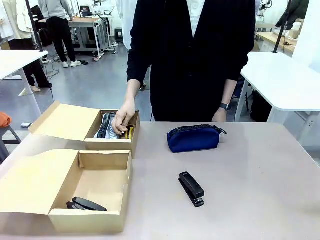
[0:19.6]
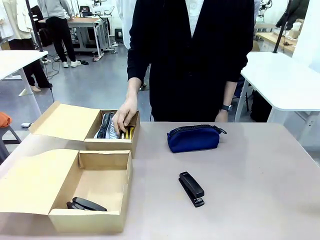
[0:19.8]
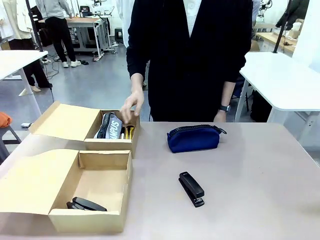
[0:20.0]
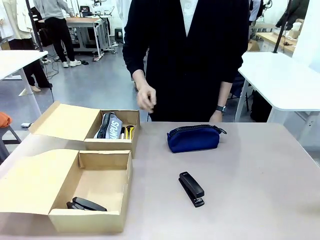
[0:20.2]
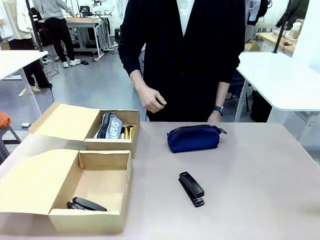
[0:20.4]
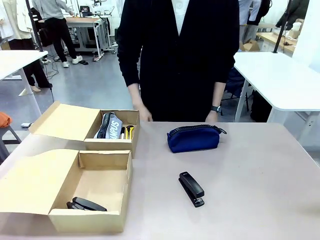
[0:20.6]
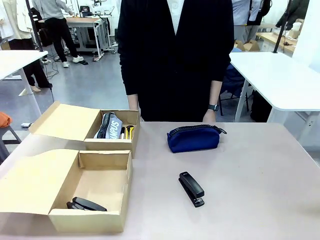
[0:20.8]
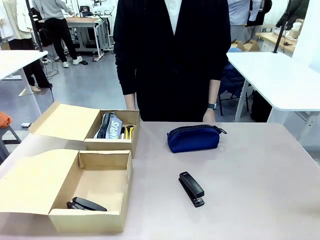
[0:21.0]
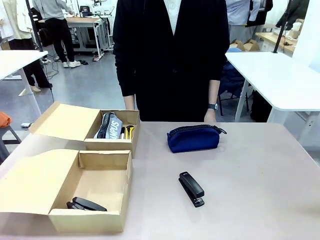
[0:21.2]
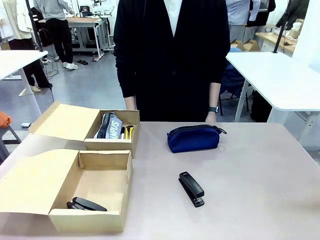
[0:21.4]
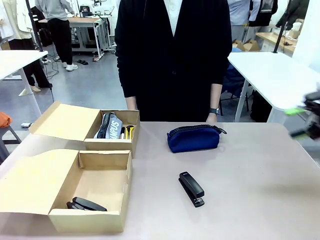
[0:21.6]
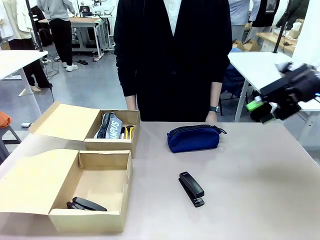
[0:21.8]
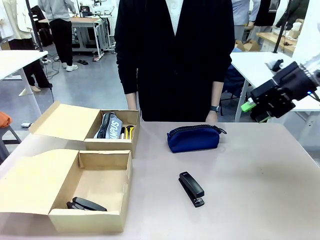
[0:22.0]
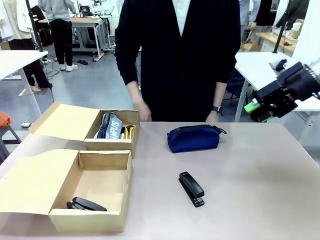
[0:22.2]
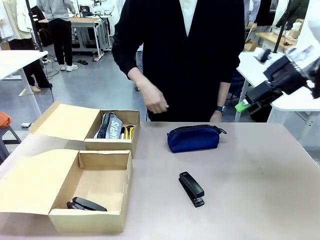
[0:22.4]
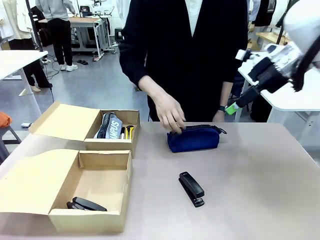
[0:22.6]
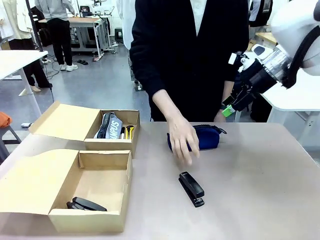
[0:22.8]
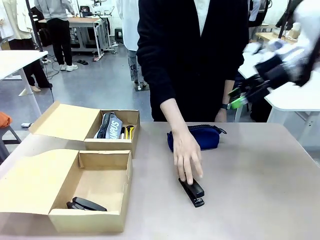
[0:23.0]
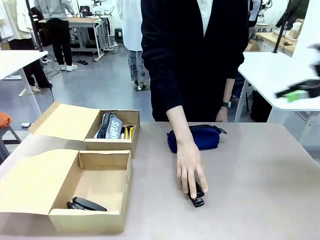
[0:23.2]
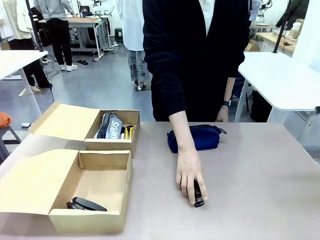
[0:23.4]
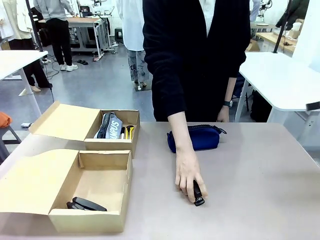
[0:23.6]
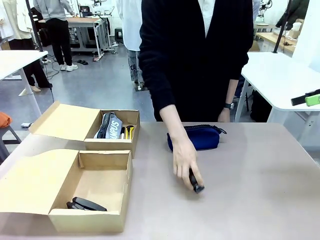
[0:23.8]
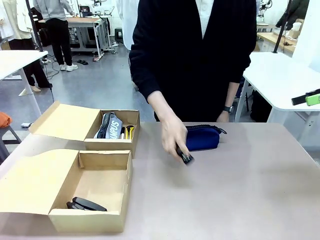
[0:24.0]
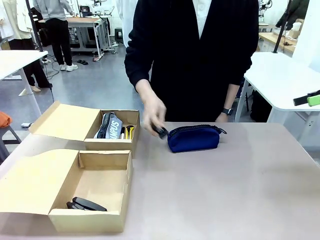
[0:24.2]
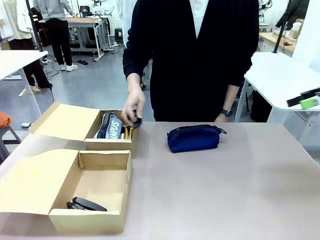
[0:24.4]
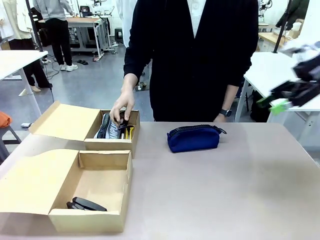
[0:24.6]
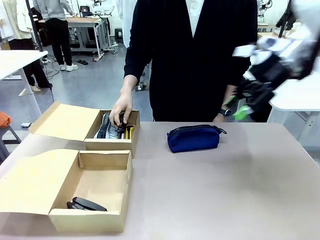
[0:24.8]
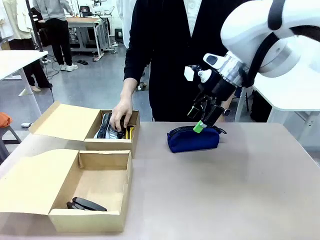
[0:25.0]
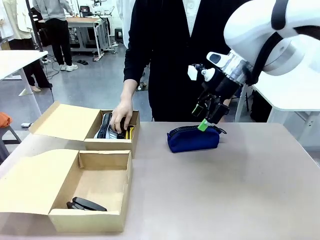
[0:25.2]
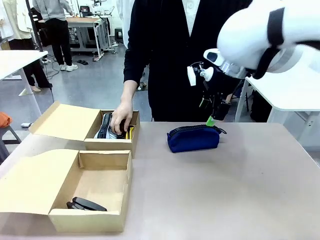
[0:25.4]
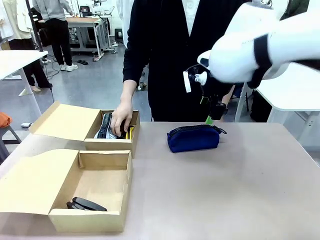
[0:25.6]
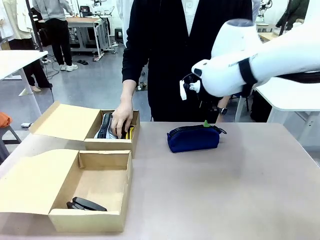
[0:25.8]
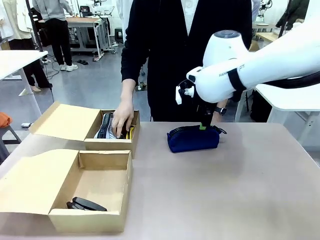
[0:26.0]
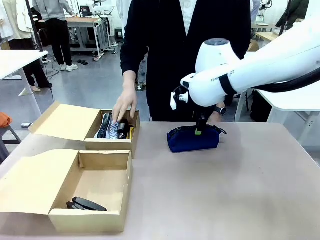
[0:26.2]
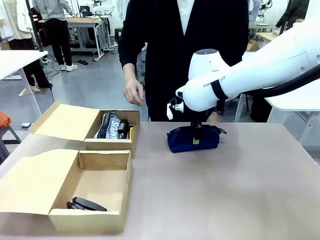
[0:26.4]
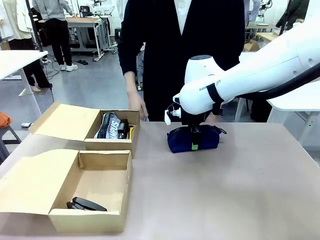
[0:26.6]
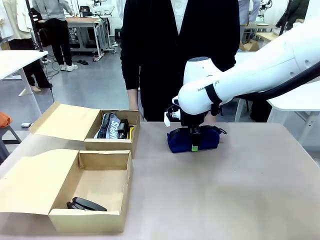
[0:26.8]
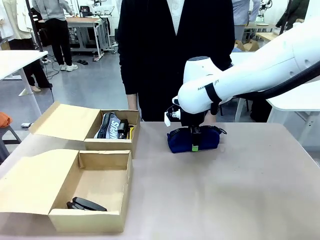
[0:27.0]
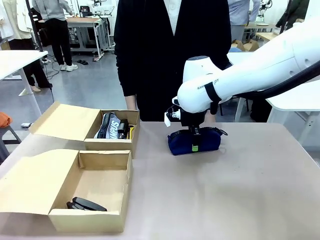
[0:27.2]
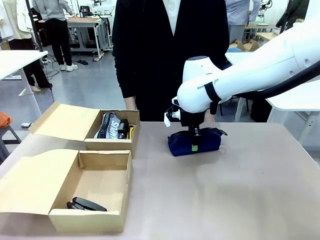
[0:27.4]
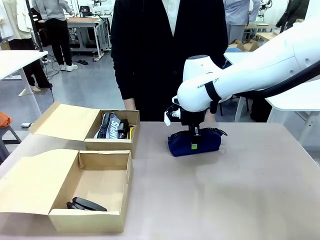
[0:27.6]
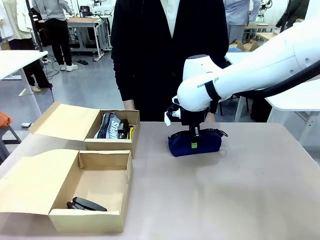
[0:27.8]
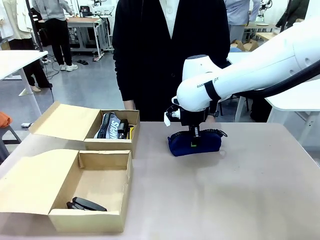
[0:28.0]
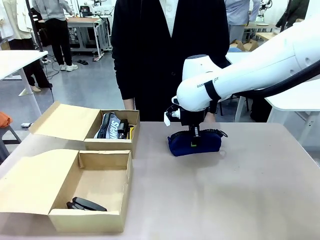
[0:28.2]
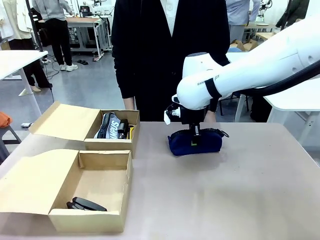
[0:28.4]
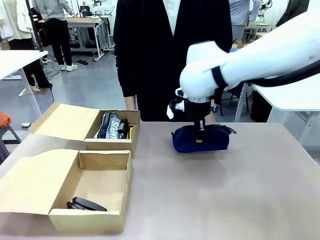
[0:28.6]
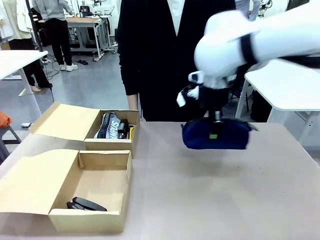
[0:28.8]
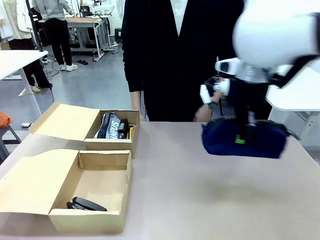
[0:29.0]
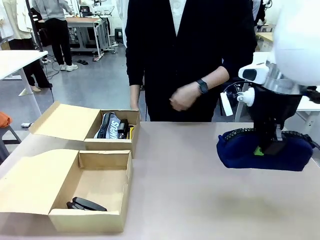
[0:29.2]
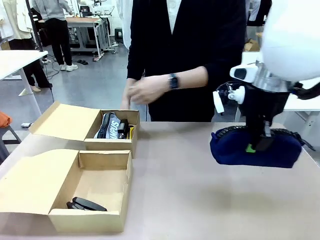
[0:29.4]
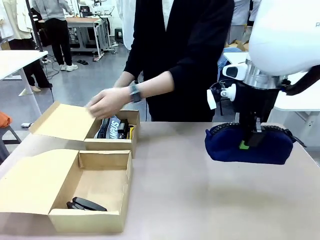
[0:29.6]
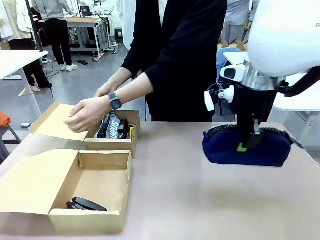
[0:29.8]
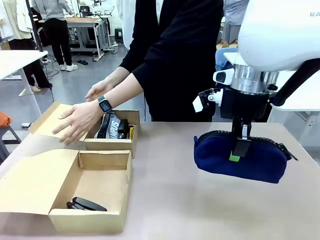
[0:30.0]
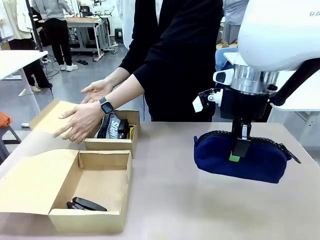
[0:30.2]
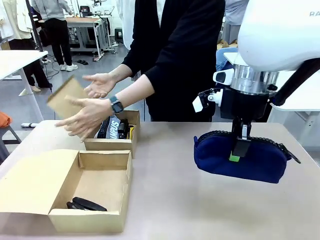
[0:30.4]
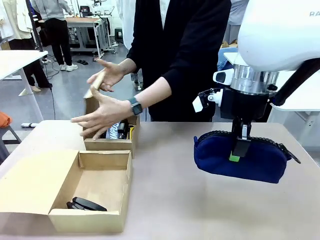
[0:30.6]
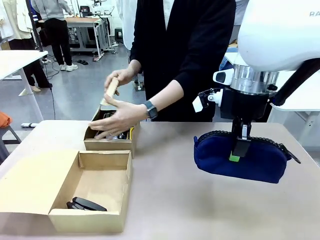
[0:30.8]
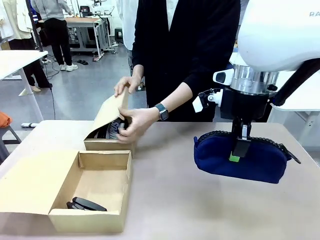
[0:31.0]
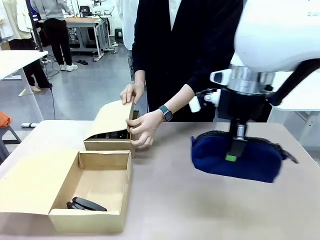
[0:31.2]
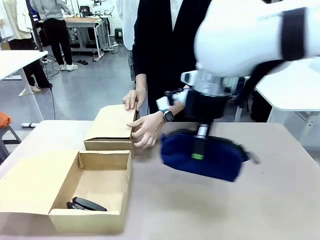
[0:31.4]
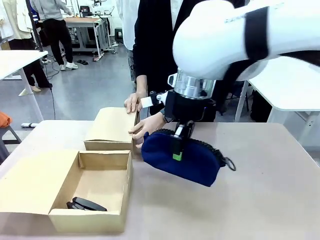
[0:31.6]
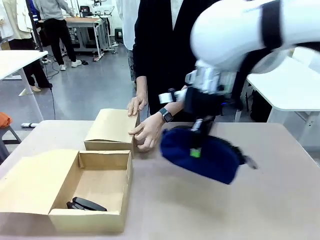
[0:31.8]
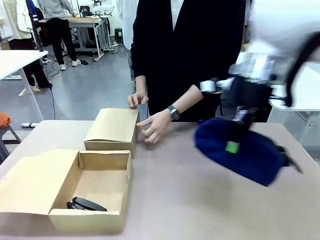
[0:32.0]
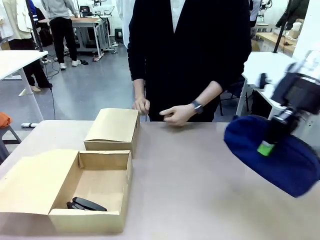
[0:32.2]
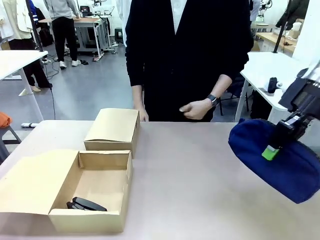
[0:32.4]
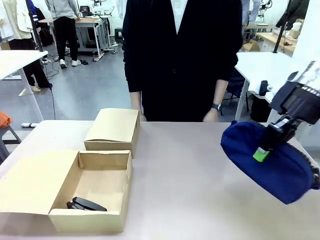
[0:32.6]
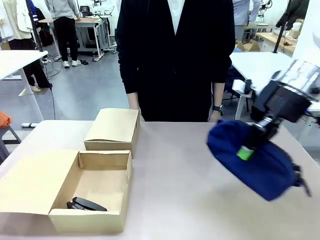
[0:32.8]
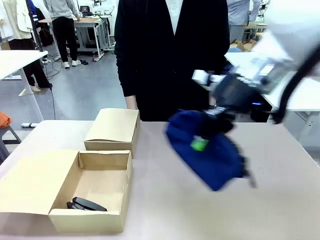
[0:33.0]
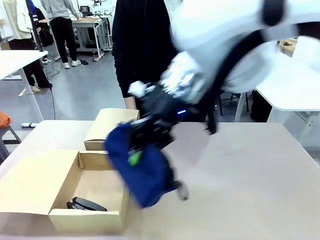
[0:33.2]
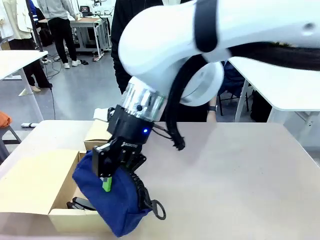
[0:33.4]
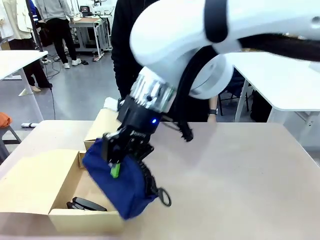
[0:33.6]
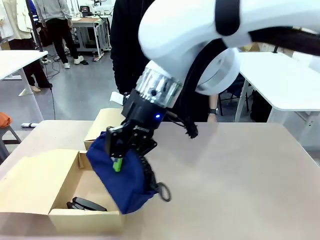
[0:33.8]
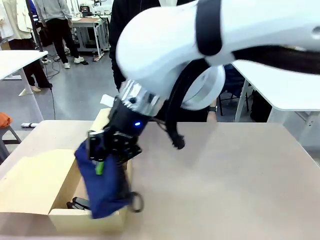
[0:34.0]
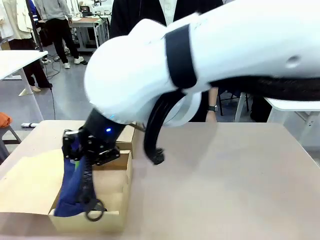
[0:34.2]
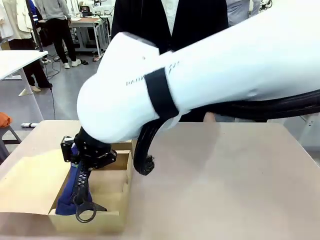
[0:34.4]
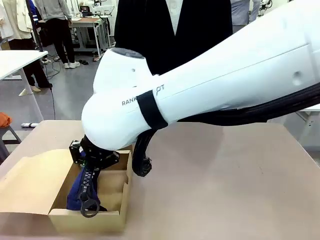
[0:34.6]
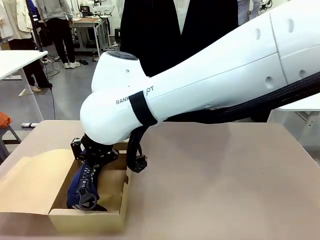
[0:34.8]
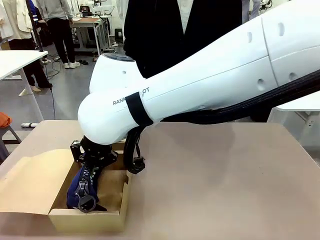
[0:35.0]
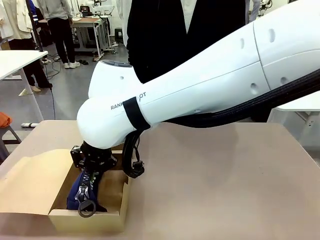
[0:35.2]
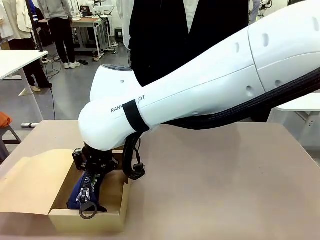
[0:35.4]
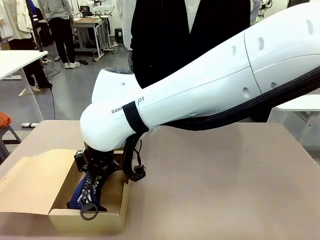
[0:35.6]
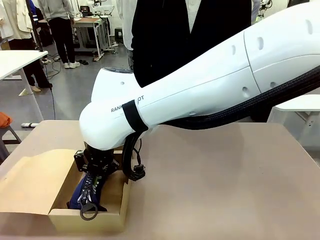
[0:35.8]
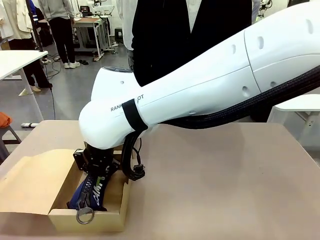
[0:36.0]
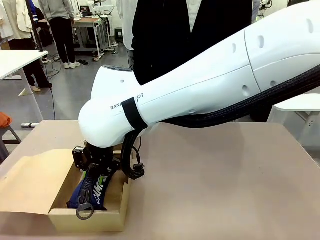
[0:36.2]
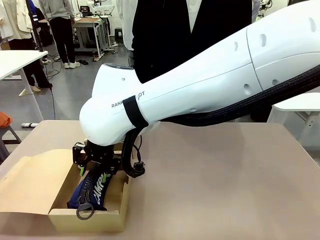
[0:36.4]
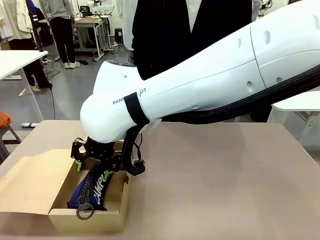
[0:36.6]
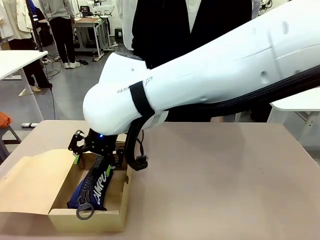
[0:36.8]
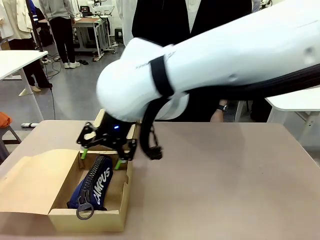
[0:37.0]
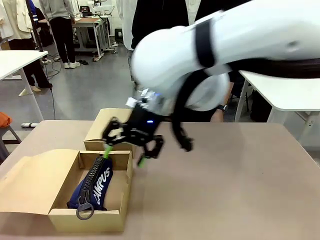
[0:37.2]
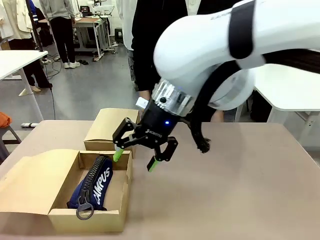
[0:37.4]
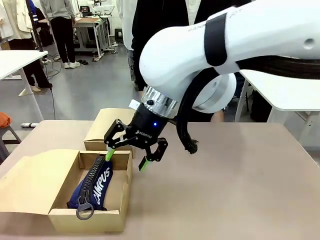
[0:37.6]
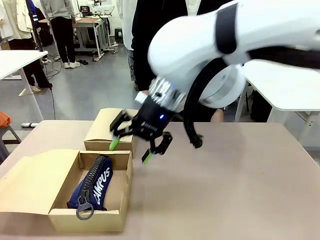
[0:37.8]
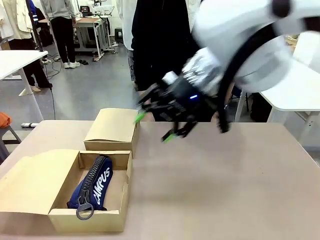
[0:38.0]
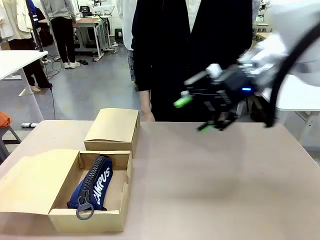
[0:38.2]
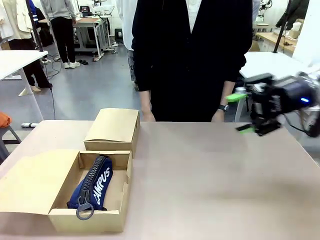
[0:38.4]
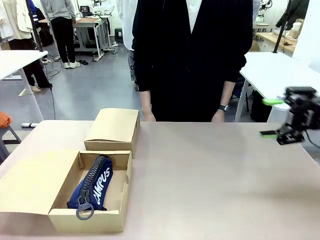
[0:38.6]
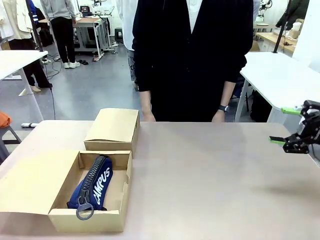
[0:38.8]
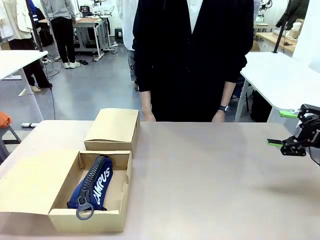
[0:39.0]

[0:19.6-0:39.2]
Task: Place items inside the box.
Robot: Pick up a Pencil pouch or Stapler and place it inside the Mailer Box closest to the robot.
Person: Close the lid of the box facing the person.

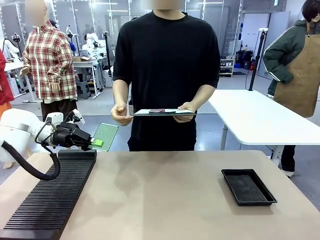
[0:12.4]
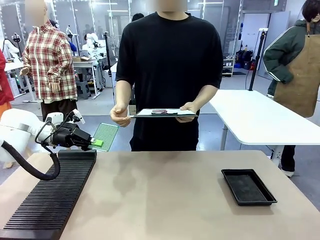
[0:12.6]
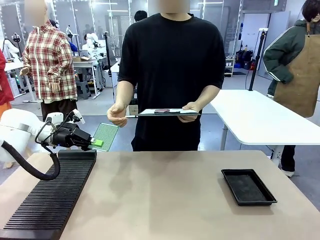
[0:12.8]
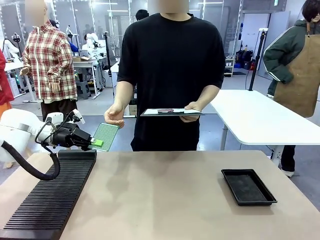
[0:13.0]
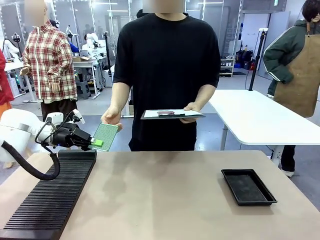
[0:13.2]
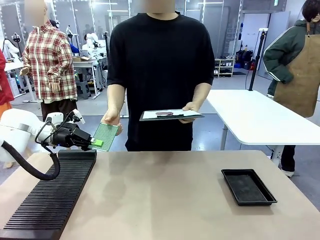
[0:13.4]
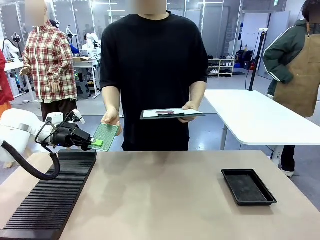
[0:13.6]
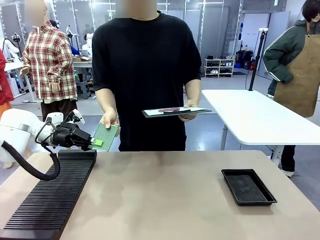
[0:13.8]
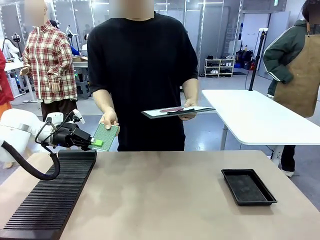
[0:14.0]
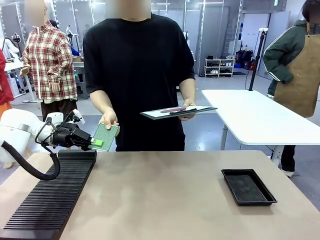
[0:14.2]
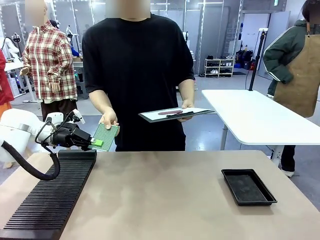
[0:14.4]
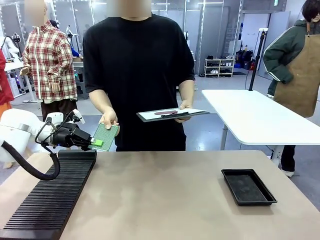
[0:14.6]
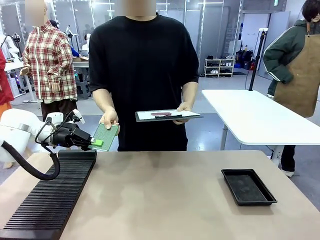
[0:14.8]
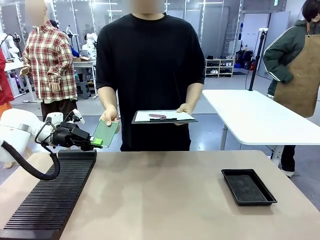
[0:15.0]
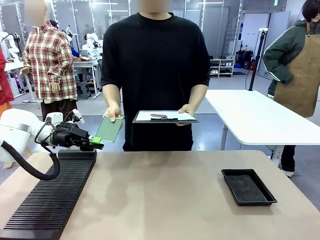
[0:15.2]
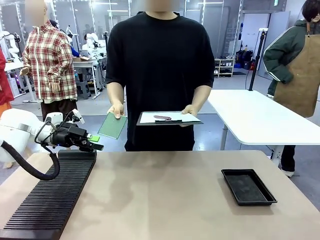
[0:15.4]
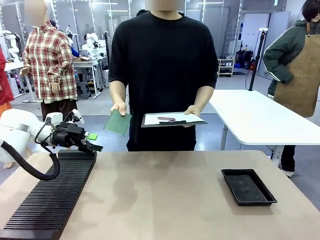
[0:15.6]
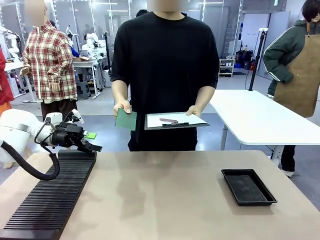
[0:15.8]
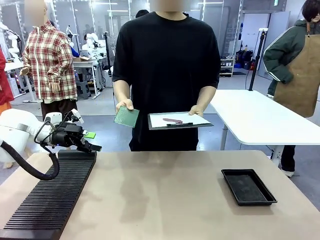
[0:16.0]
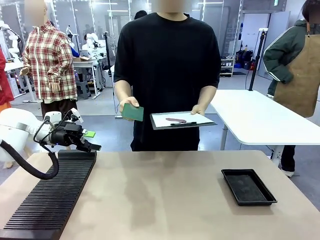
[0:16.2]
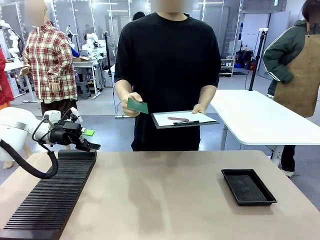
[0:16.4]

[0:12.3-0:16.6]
Task: Inspect the PCB.
Robot: Release the Blank PCB you were holding.
